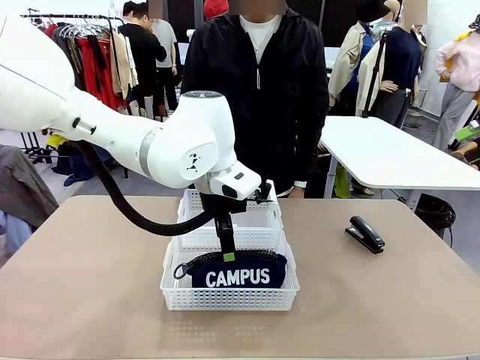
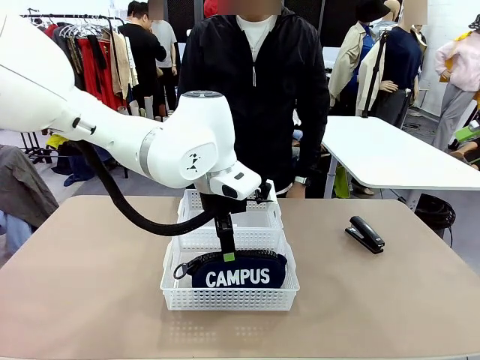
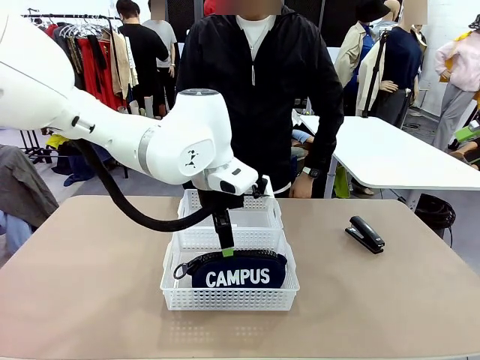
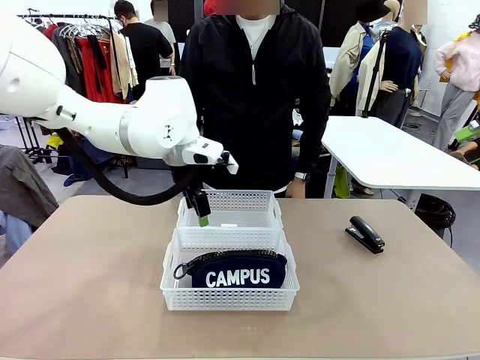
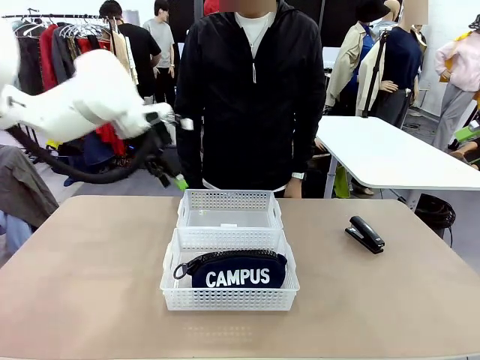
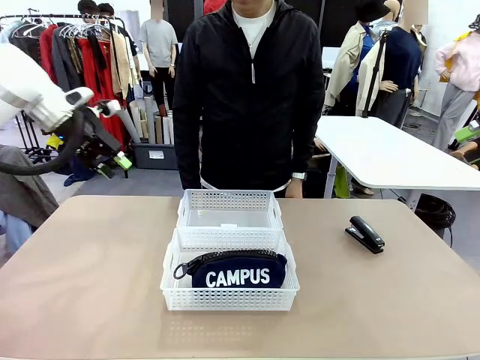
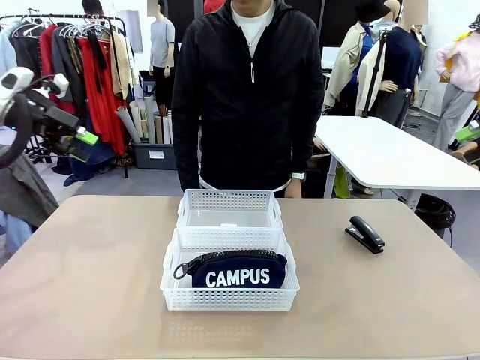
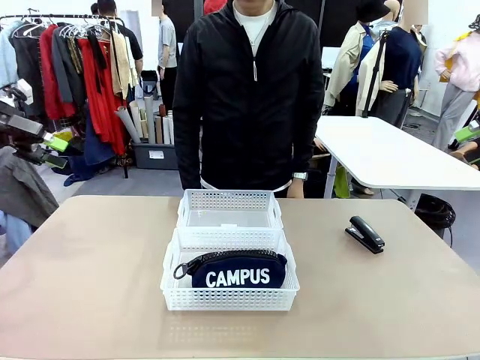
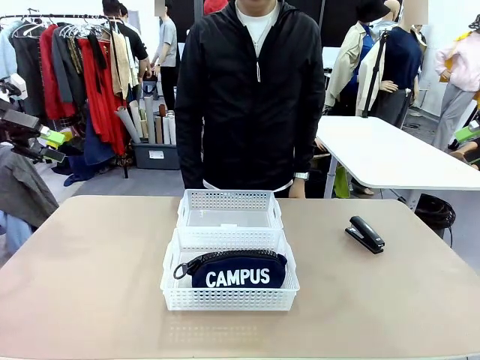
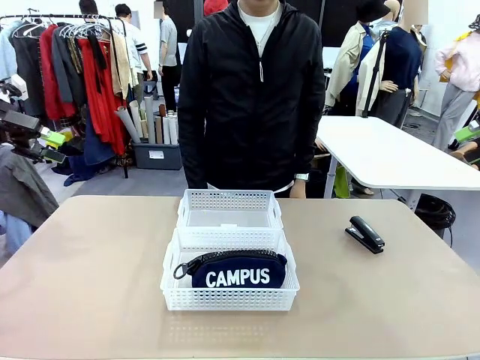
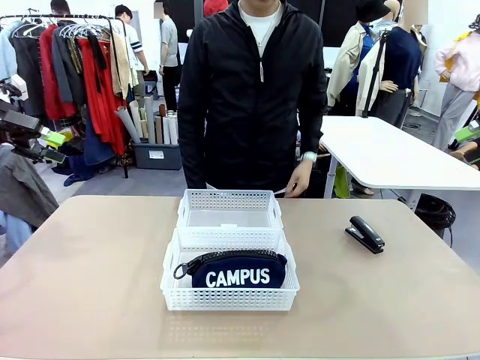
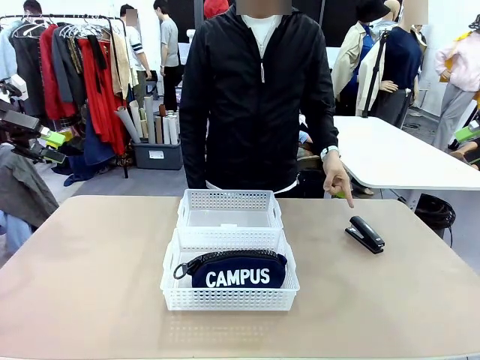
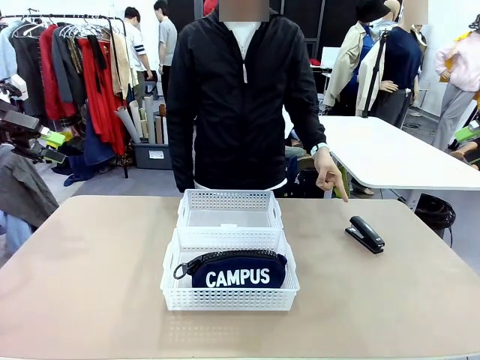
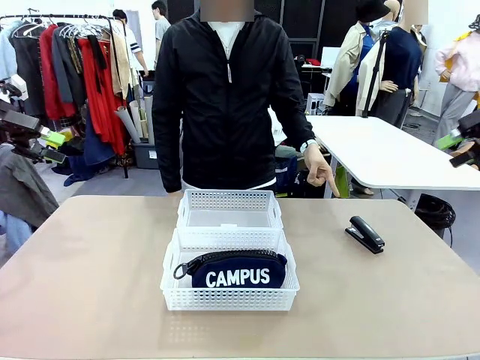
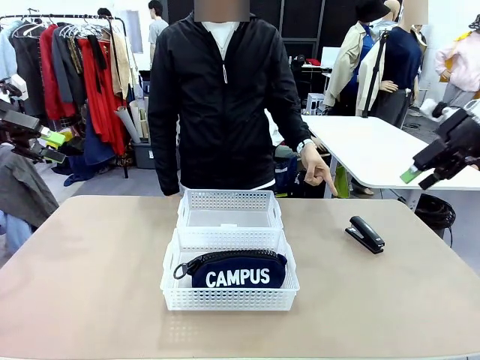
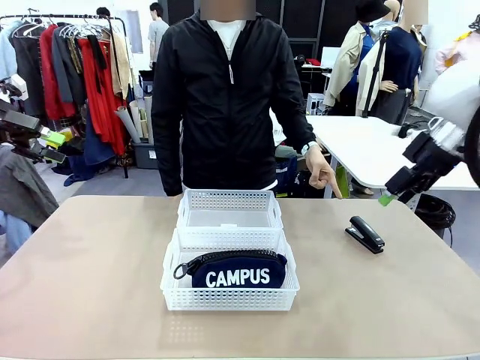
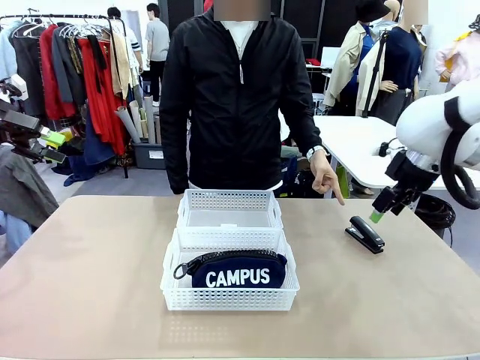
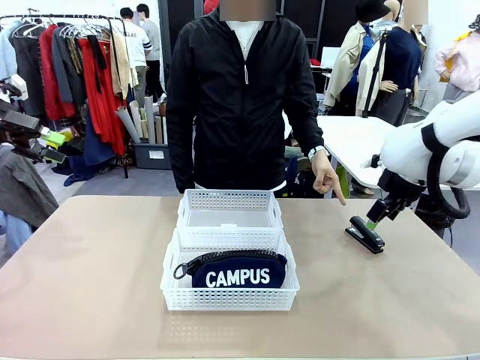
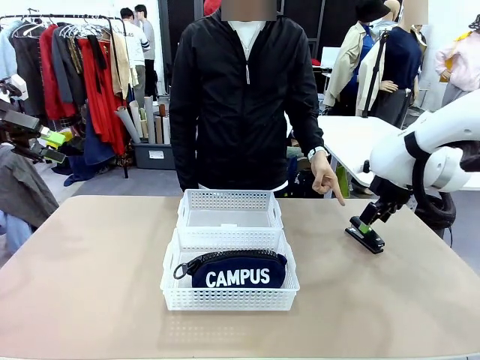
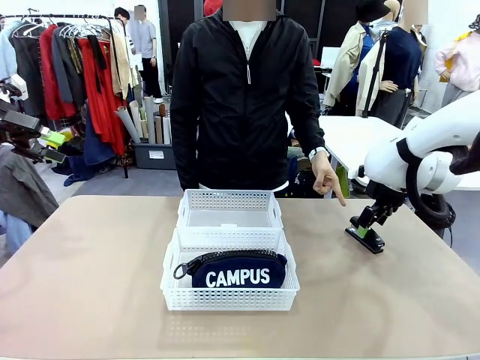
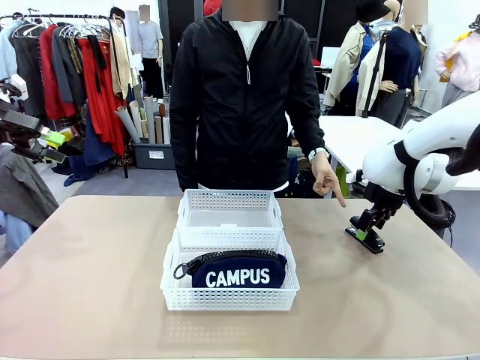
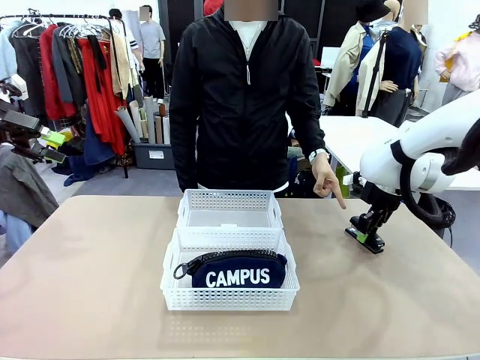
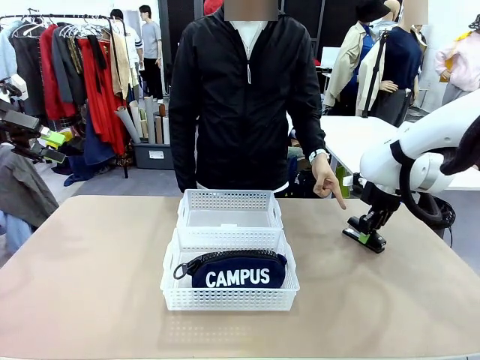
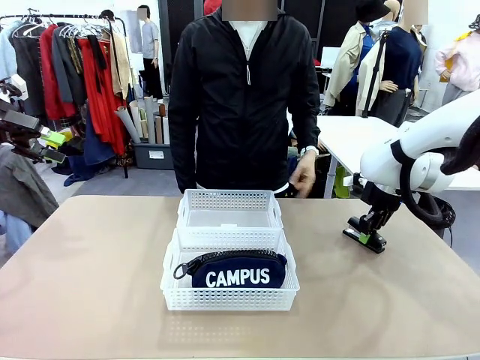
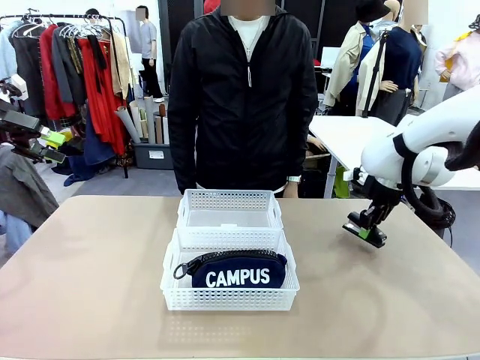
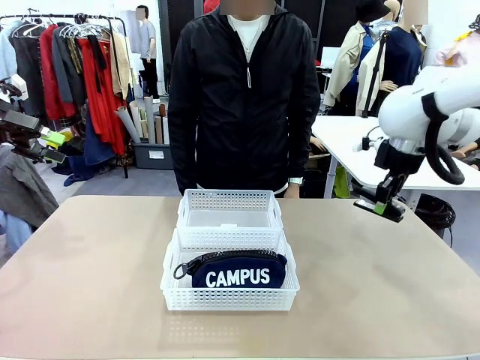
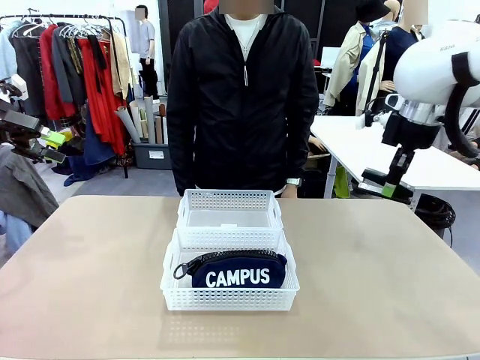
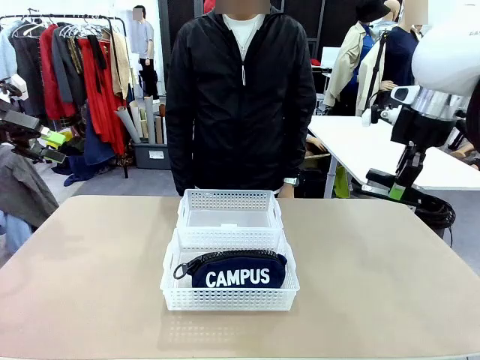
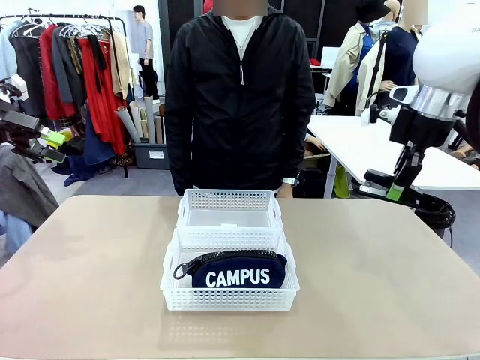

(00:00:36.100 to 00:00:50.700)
Task: Distribute items into two baskets.
Robot: Pick up the Stapler that the person points to.

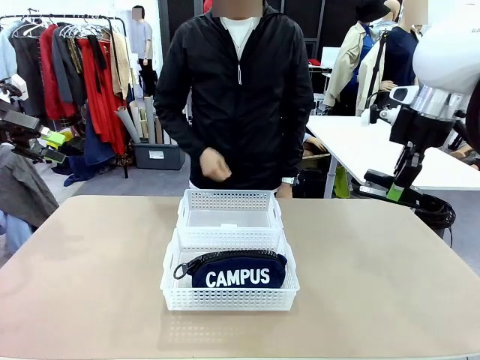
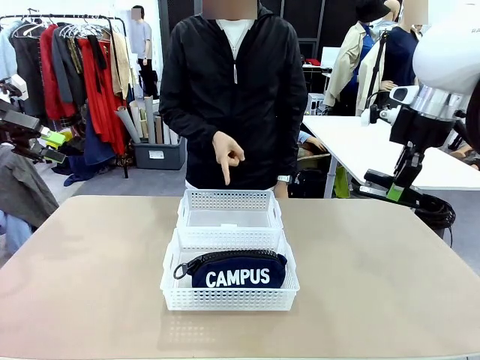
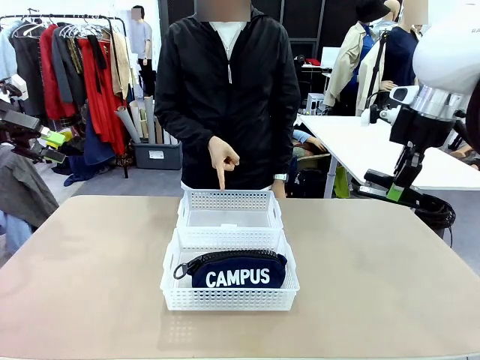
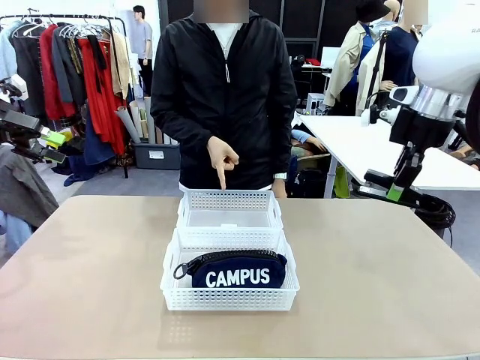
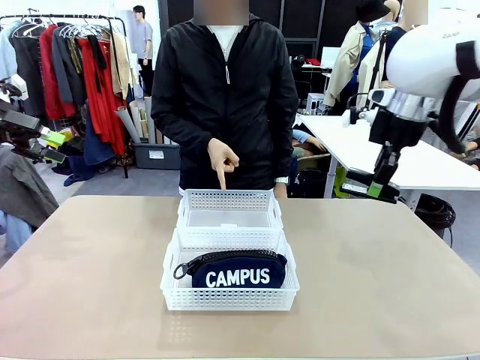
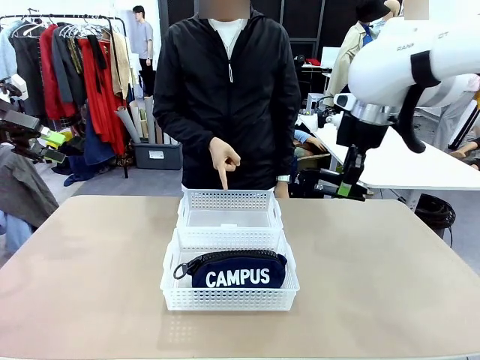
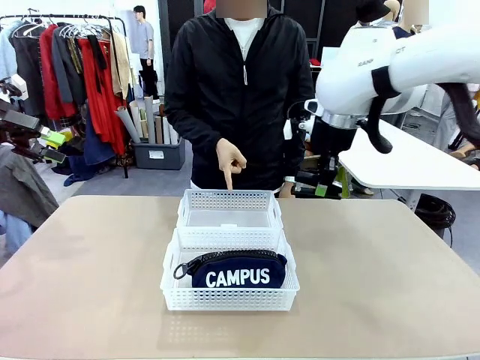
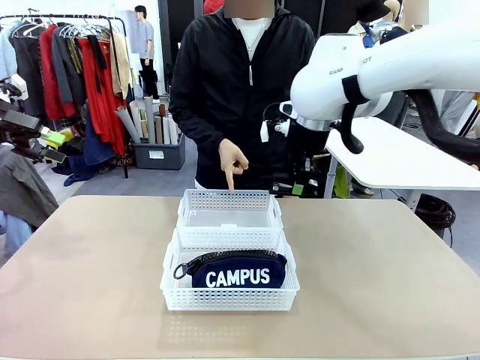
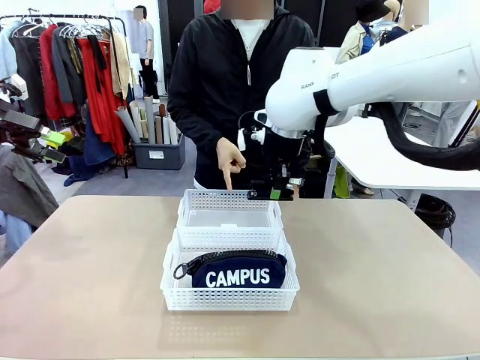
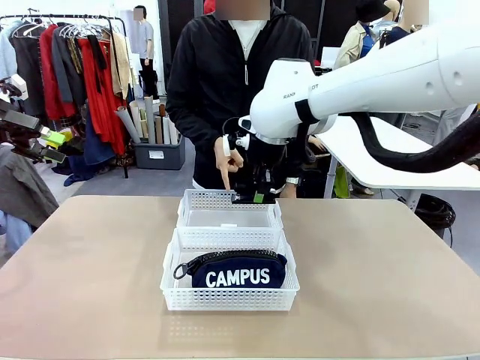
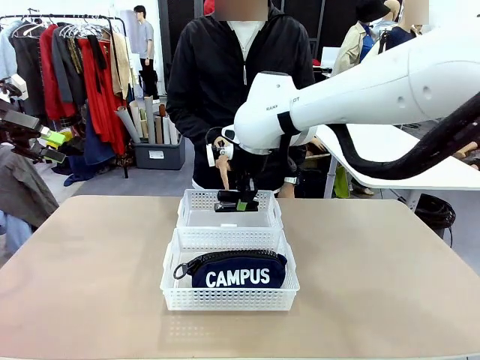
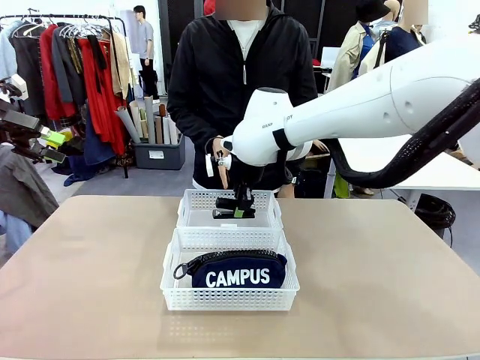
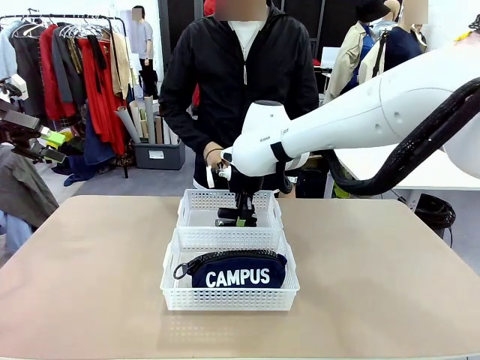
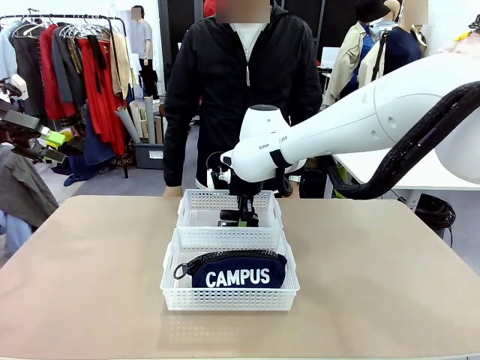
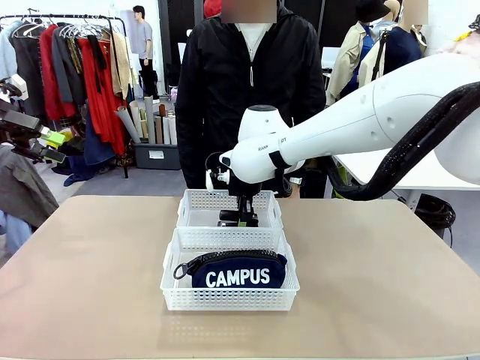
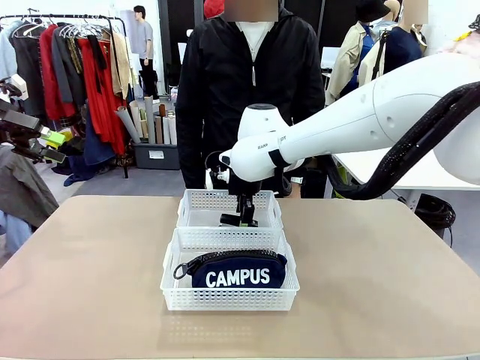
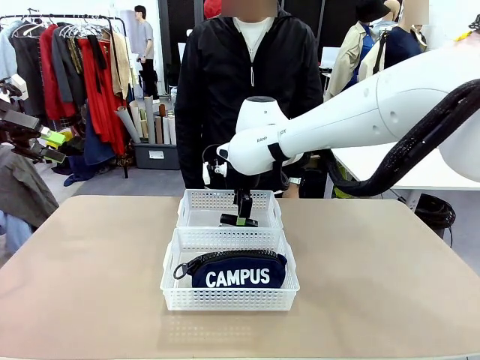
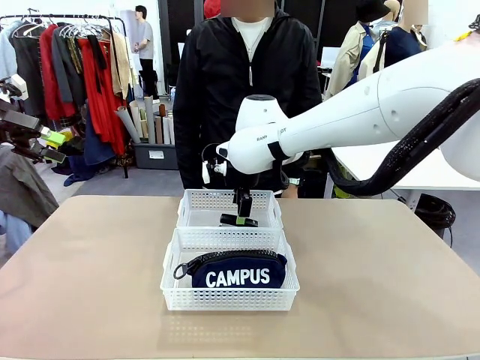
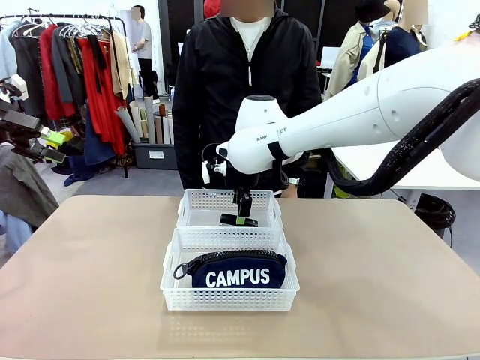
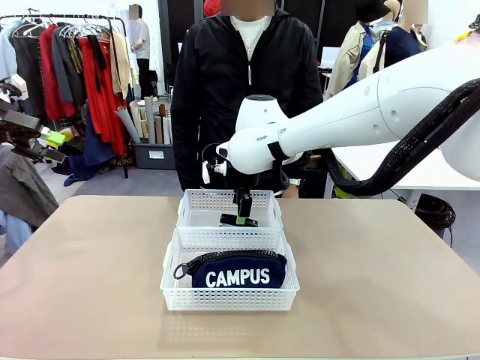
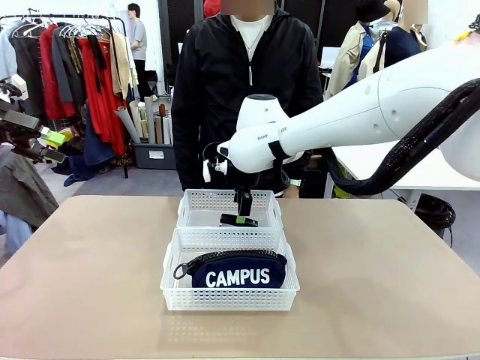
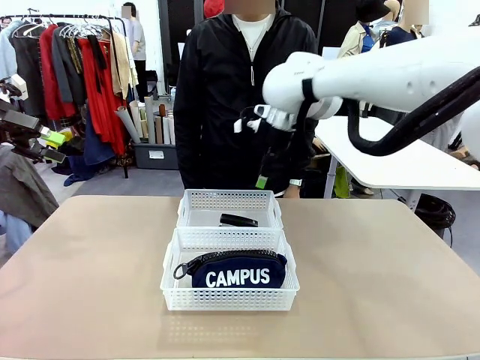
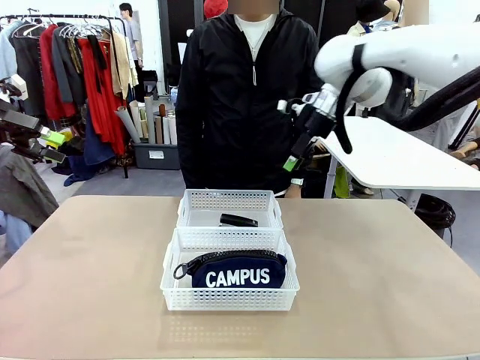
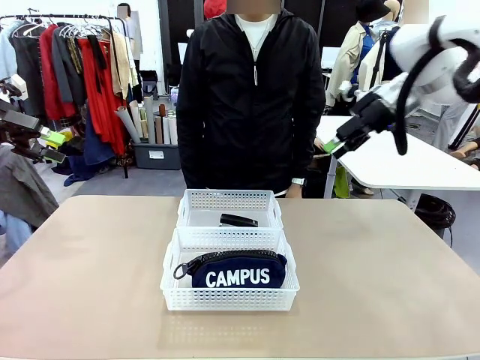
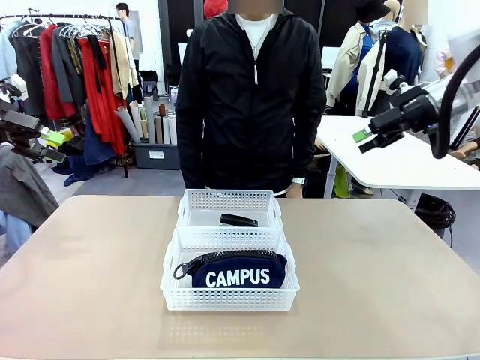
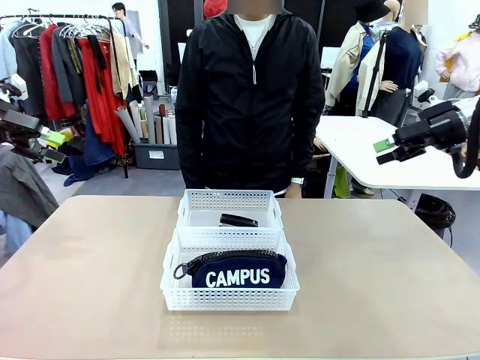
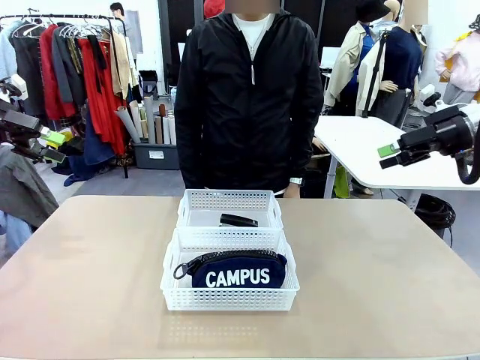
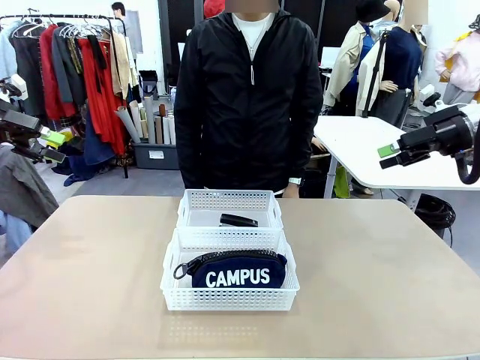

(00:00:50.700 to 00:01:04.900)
Robot: Place the picked Stapler into the Organizing basket as instructed by the person.
Person: Points to the basket that does not contain the pencil case and instructs the robot to move the stapler there.
